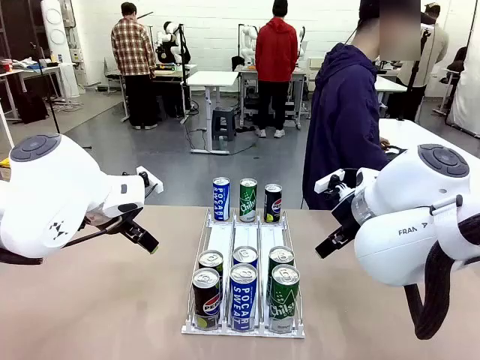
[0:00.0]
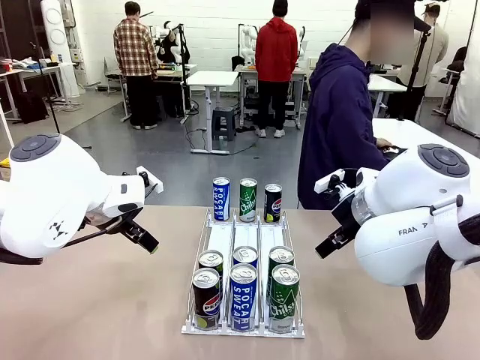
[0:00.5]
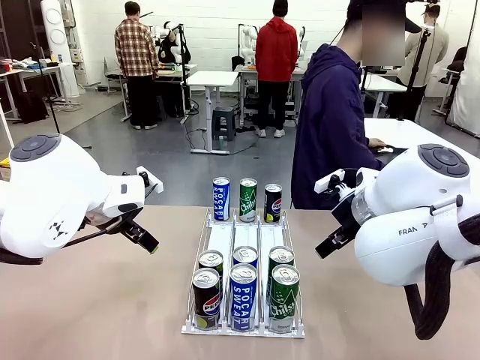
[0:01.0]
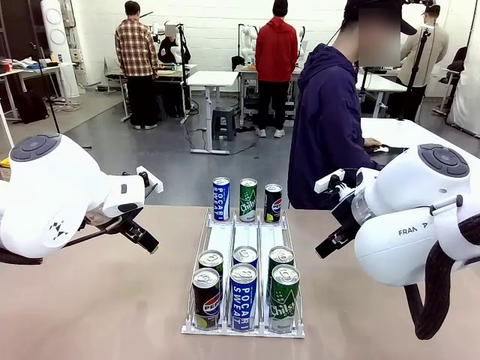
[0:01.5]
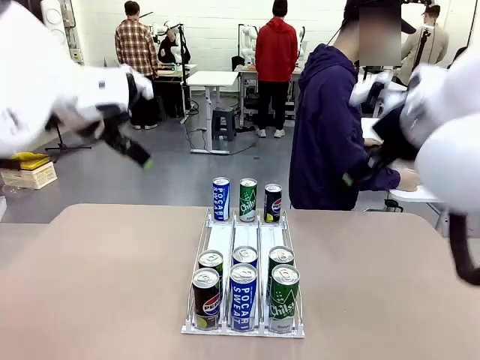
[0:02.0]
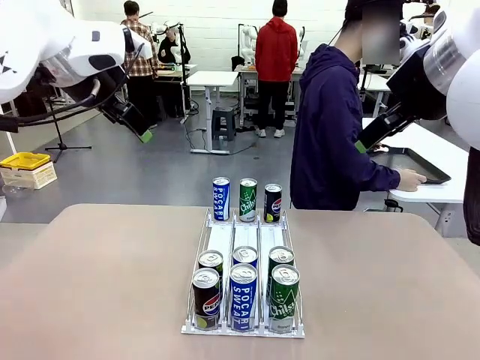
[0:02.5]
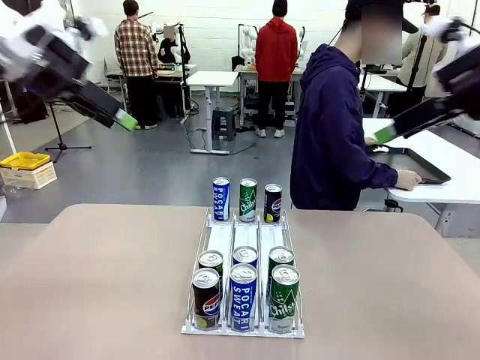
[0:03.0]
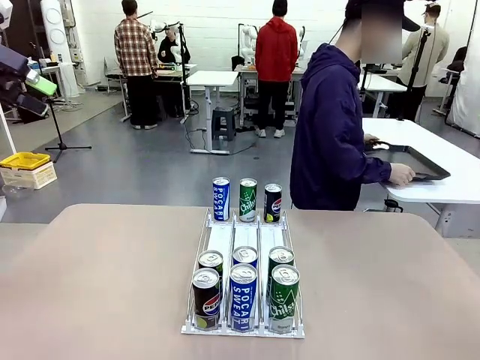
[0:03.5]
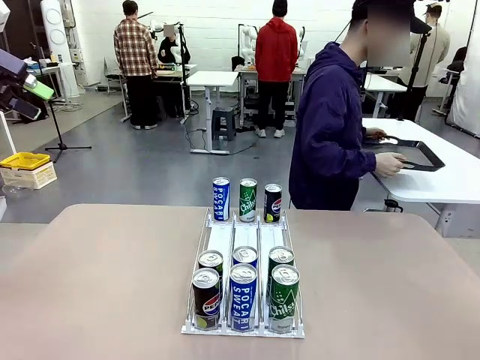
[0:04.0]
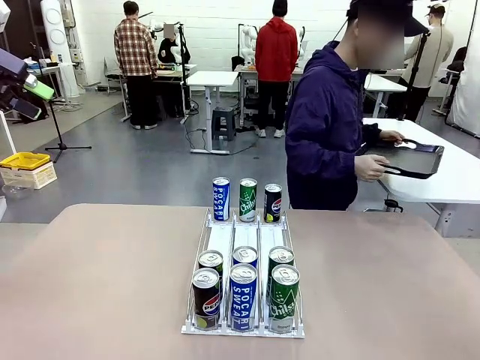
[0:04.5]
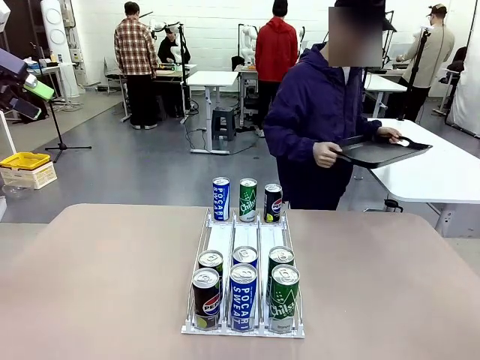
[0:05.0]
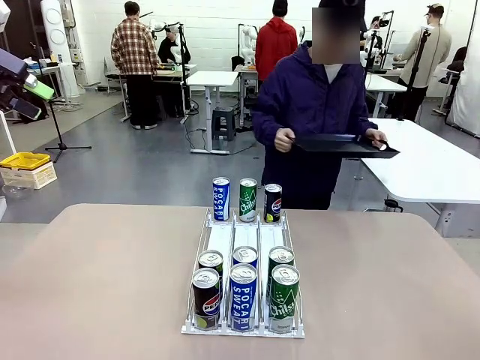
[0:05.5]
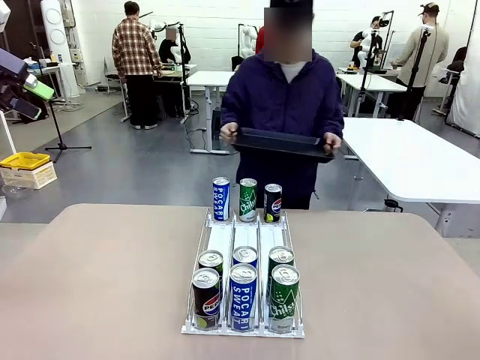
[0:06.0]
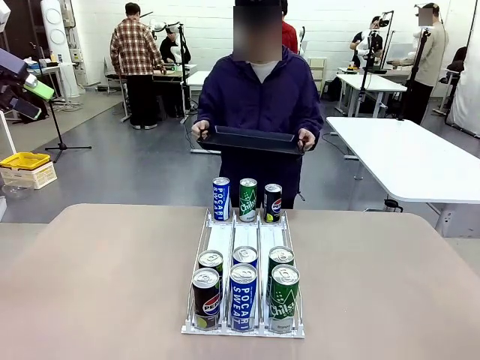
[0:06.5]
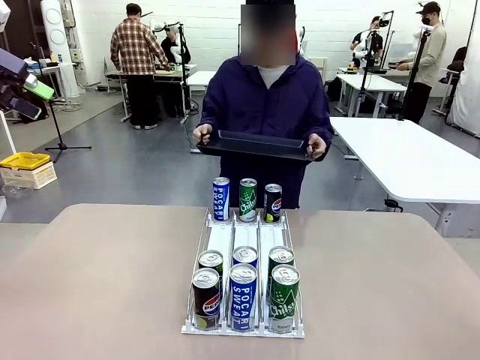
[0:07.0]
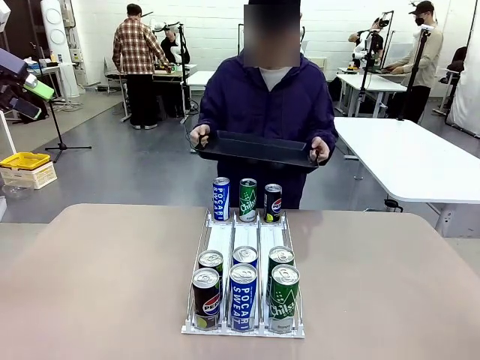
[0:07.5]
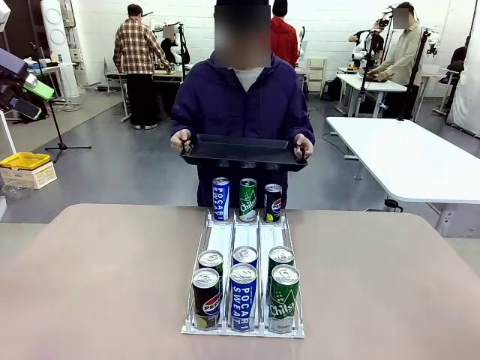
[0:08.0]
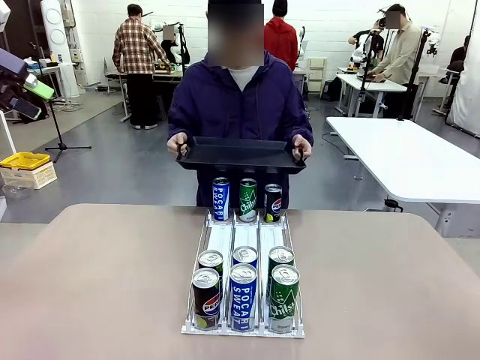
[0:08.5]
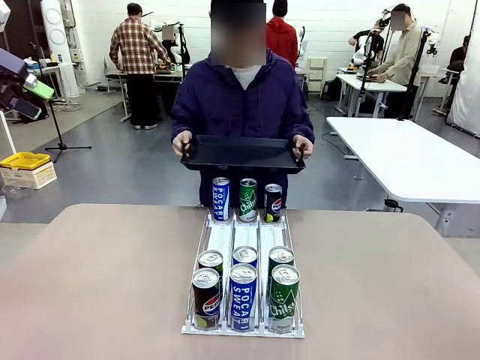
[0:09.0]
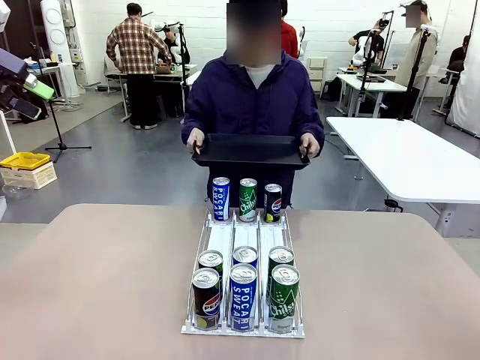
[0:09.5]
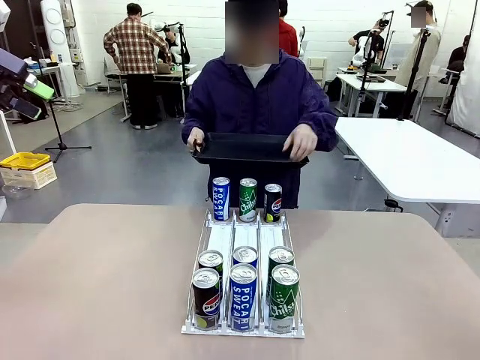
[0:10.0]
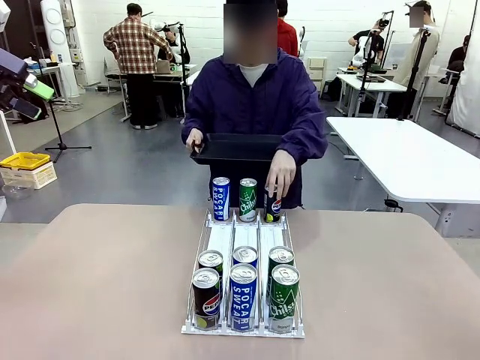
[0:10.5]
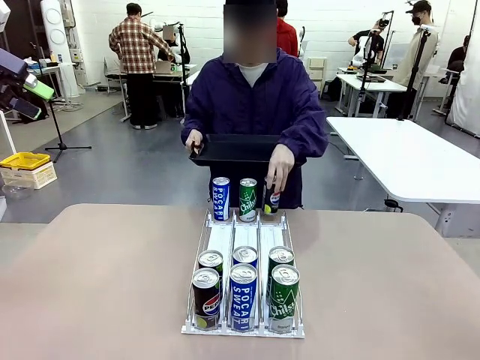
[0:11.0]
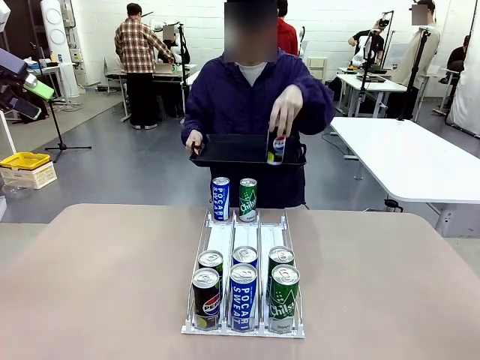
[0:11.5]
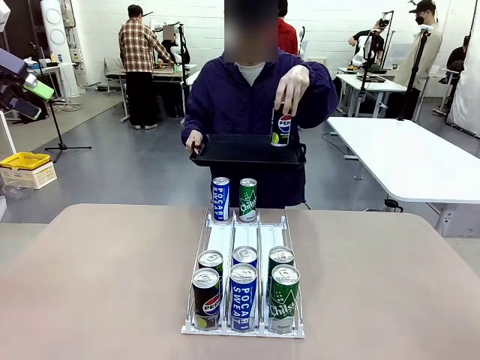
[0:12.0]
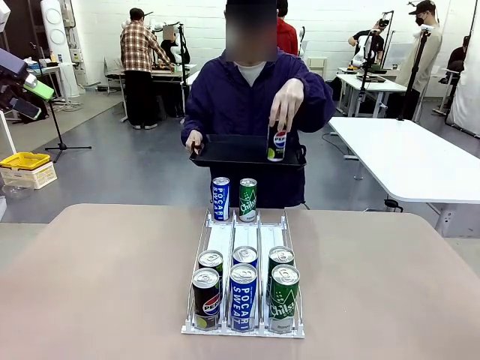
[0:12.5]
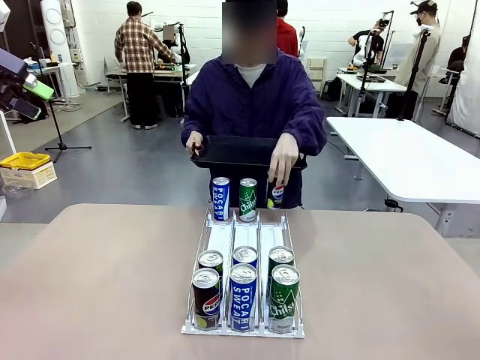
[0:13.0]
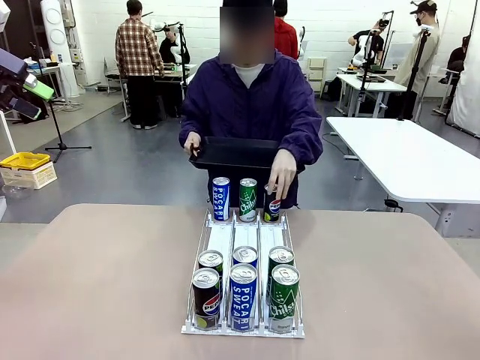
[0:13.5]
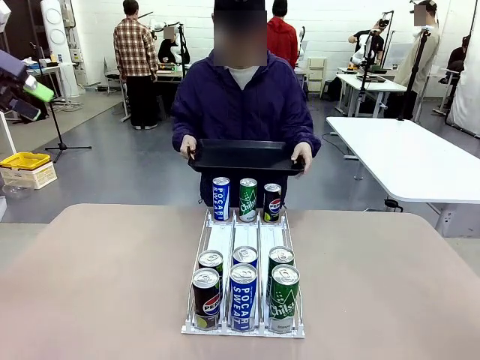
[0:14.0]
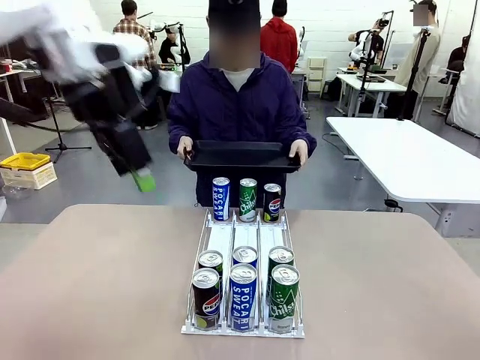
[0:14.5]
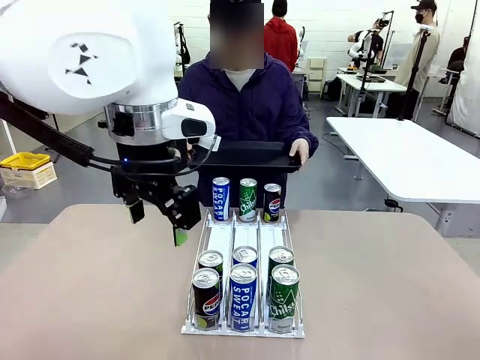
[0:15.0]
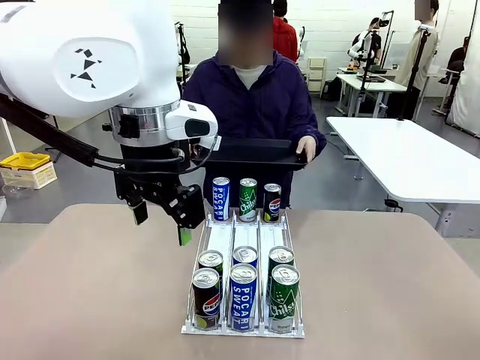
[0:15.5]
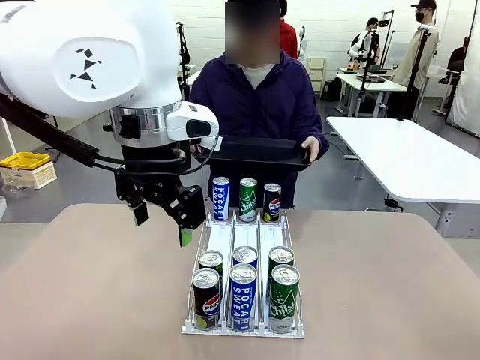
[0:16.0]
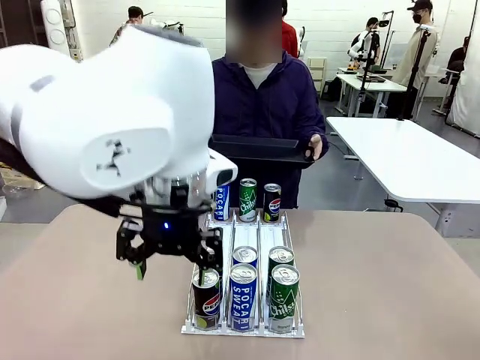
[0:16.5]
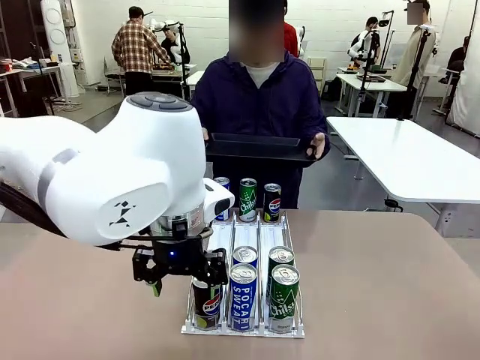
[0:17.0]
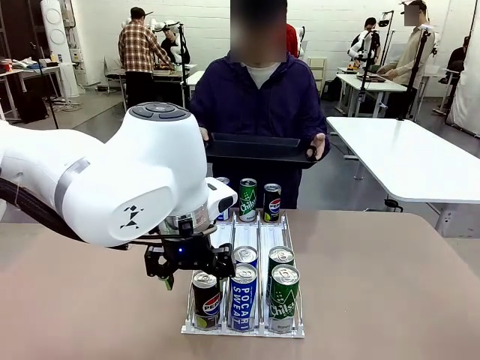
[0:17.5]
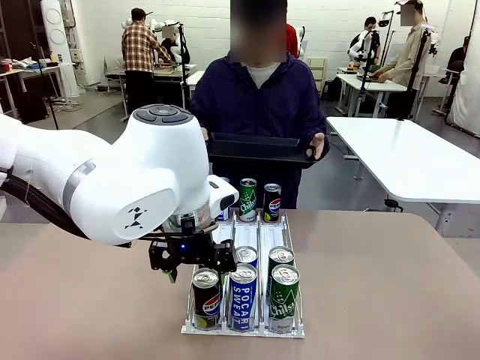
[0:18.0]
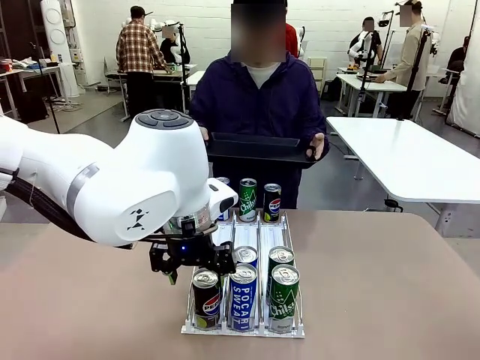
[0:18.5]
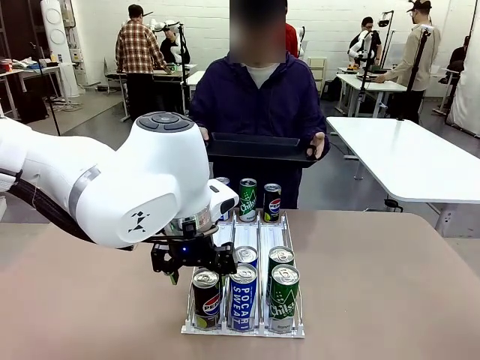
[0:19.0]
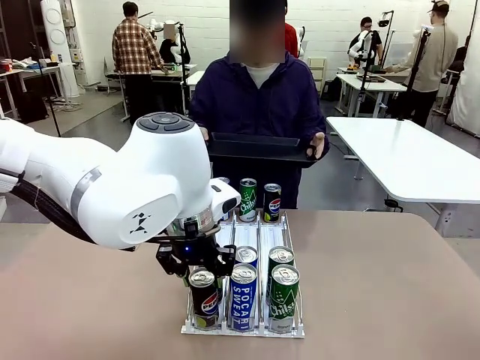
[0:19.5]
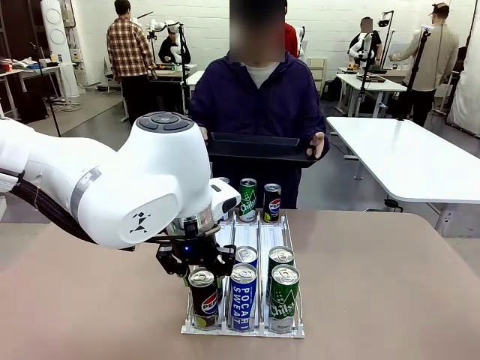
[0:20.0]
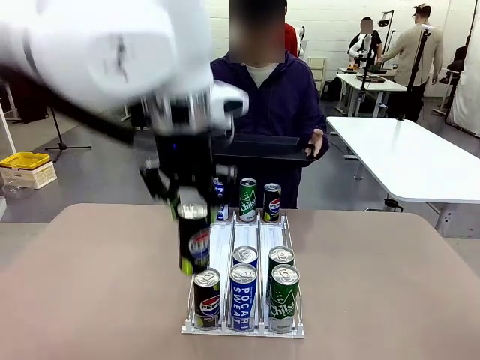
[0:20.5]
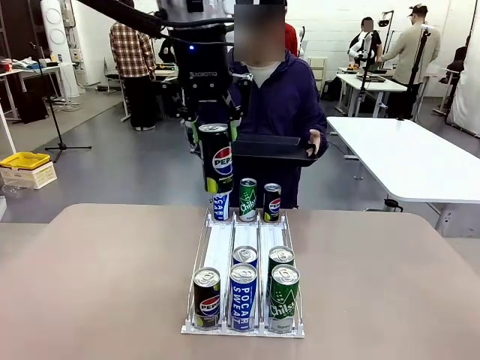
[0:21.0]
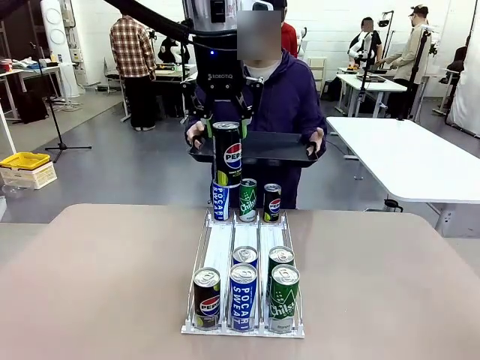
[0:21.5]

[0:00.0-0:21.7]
Task: Retrieve and hand over the desired beverage to the person.
Robot: Pick up a can of the same type that the person held from the Automatic Can Dispenser.
Person: Hold the tray and position yourself in front of the robot table. Pick up one can from the bottom area of the table and puts it back in its original place. Push the tray toward the robot.

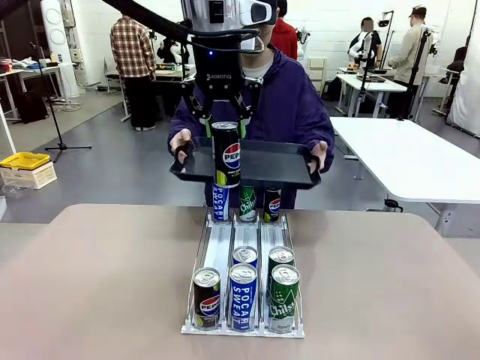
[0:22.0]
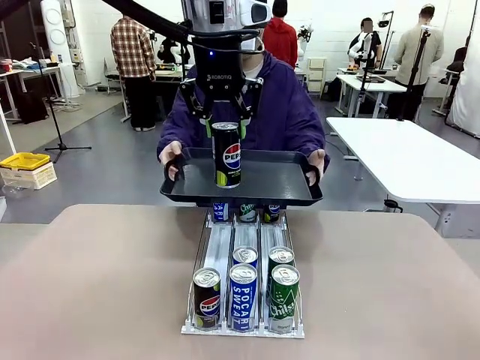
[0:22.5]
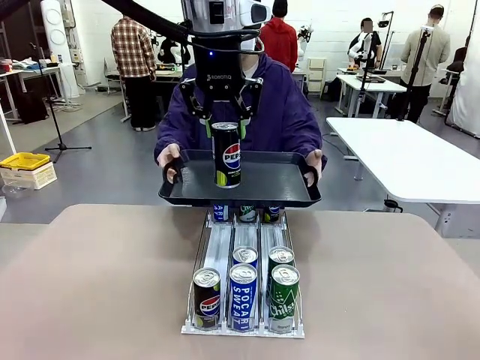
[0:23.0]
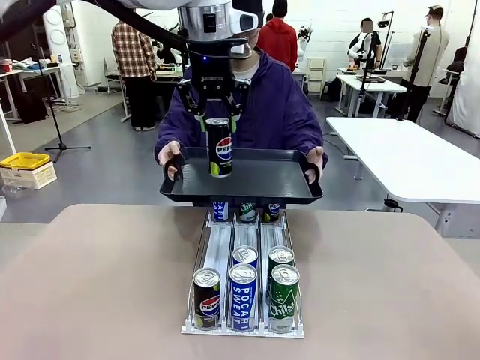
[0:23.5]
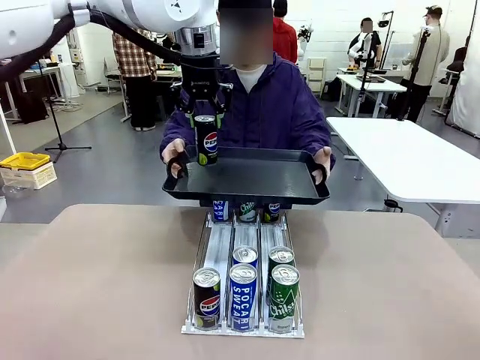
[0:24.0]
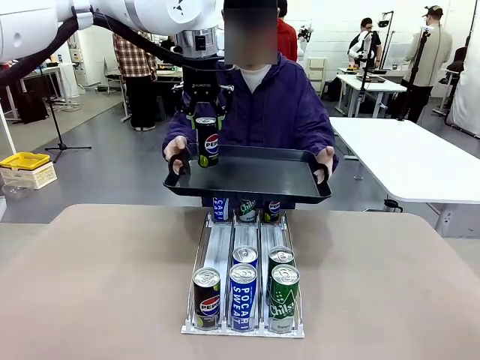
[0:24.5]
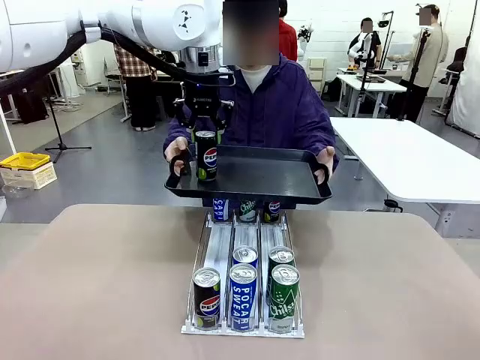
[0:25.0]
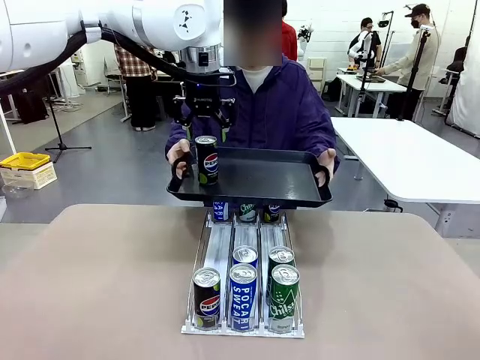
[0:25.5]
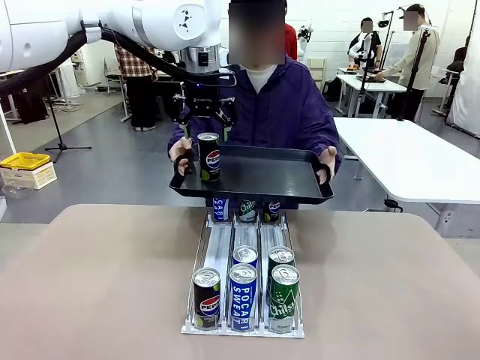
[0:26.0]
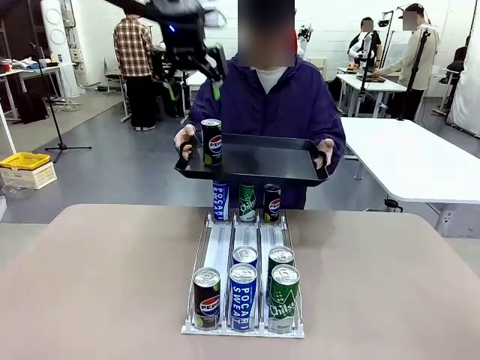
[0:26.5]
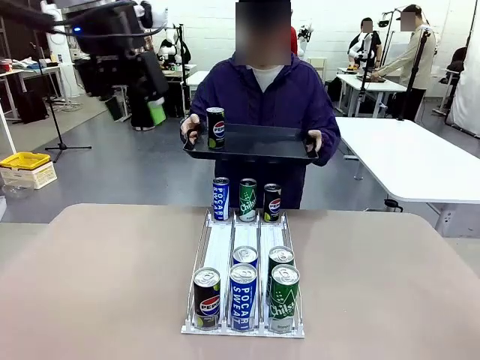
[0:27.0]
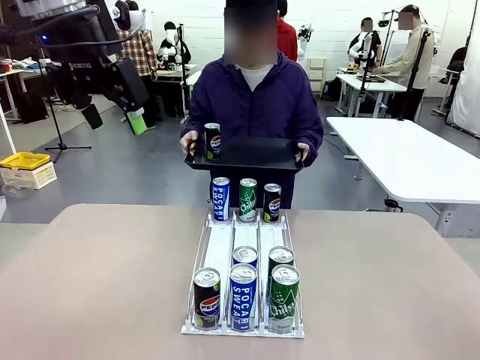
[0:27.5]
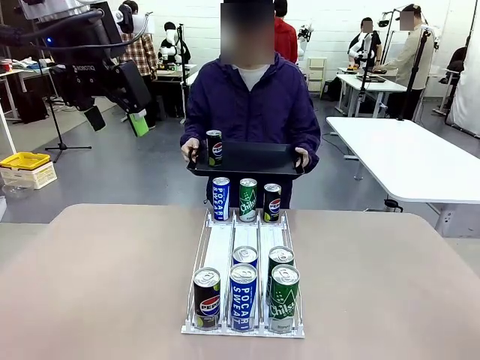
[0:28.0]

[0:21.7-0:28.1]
Robot: Place the picked can on the Handle tray extended by the person.
